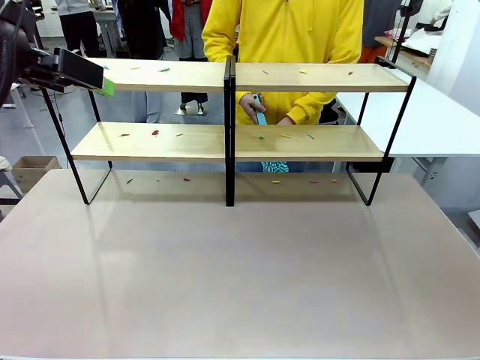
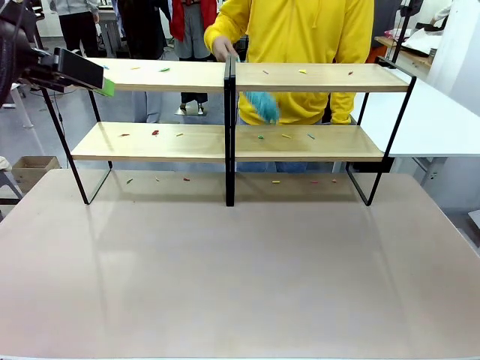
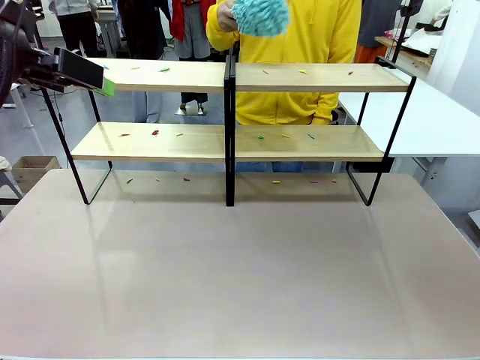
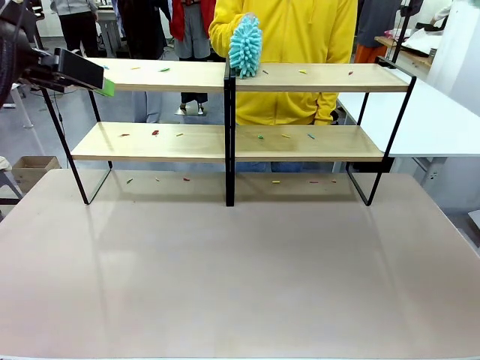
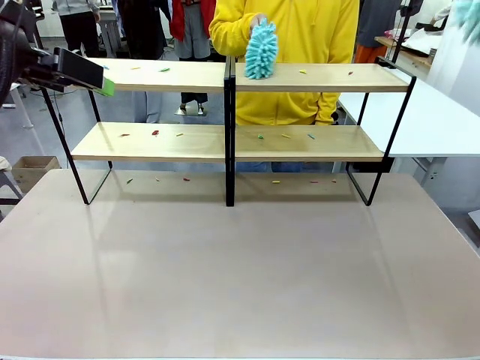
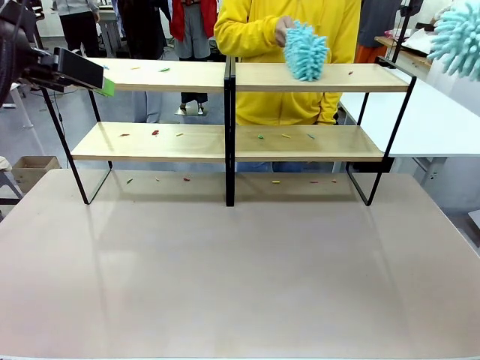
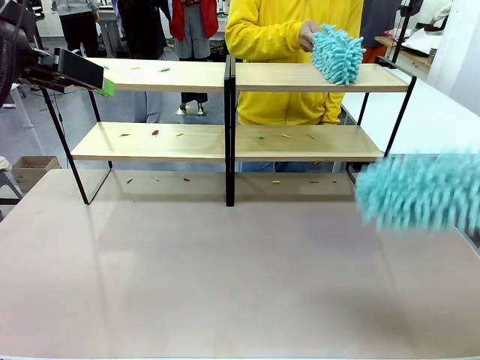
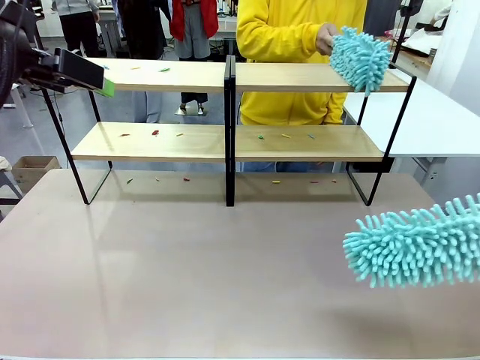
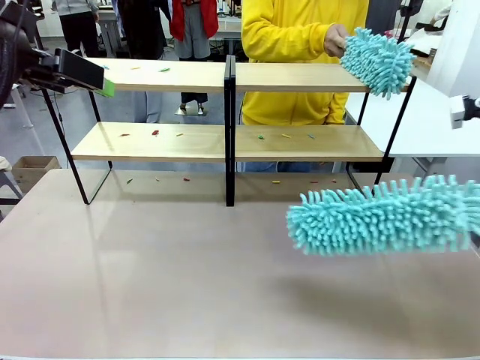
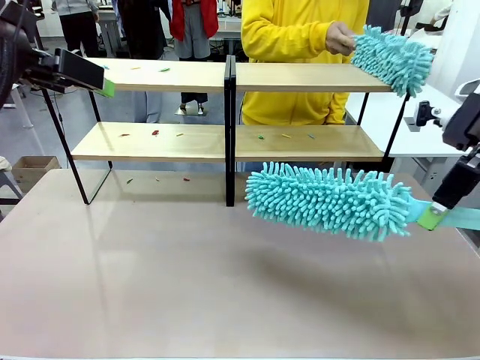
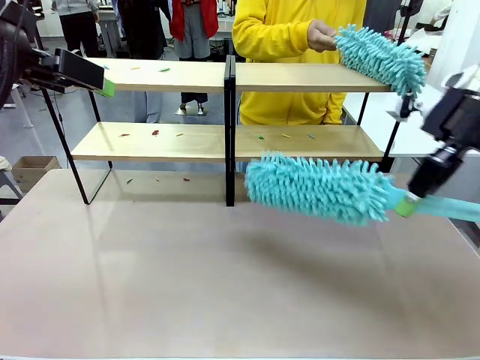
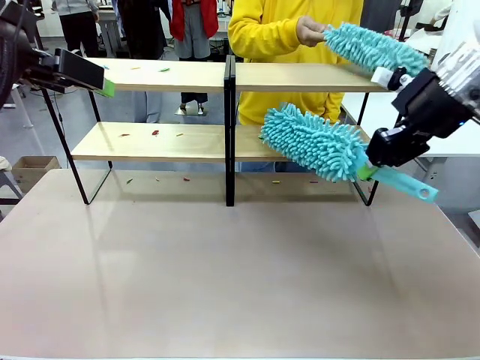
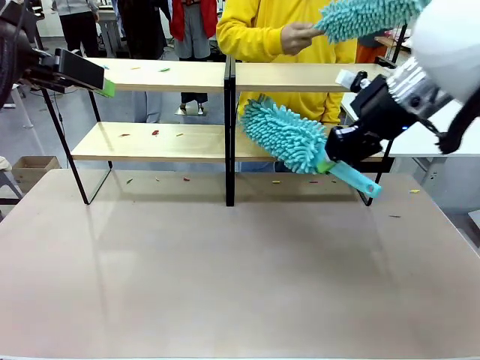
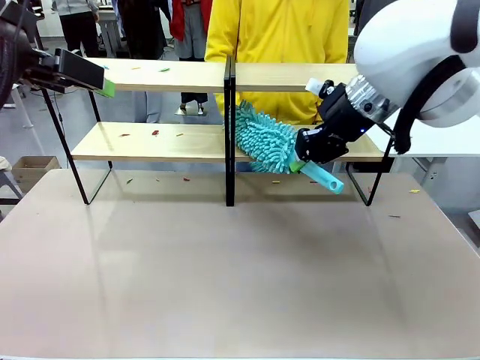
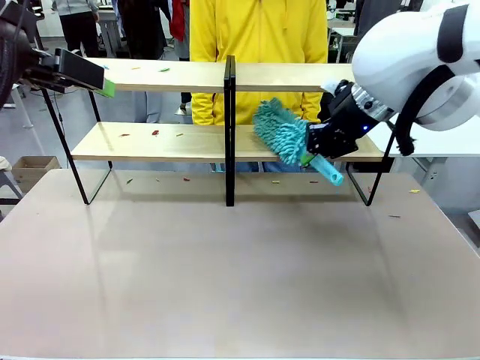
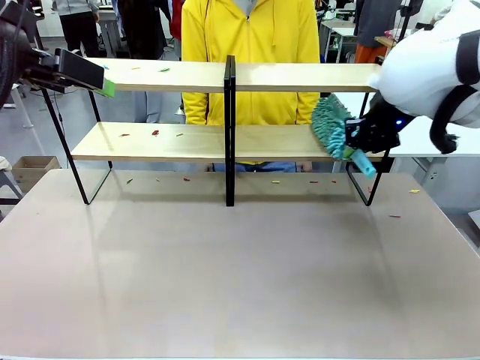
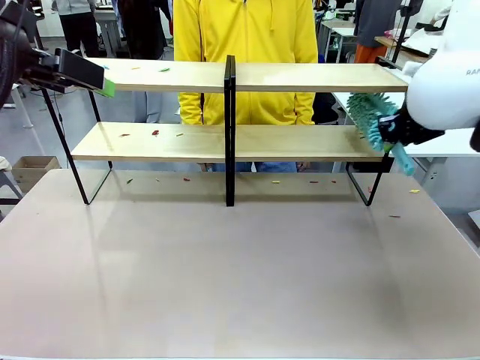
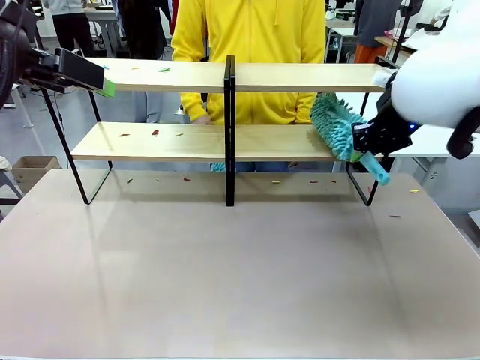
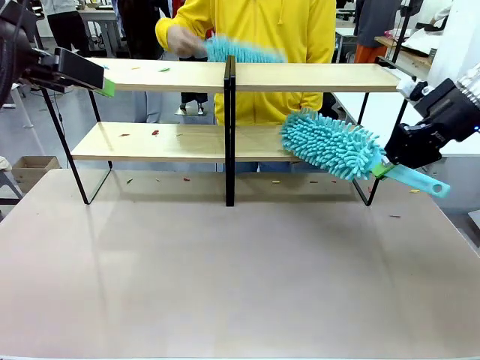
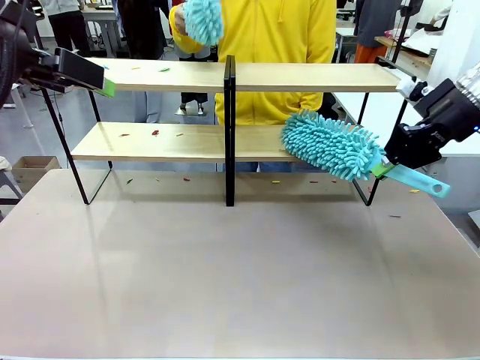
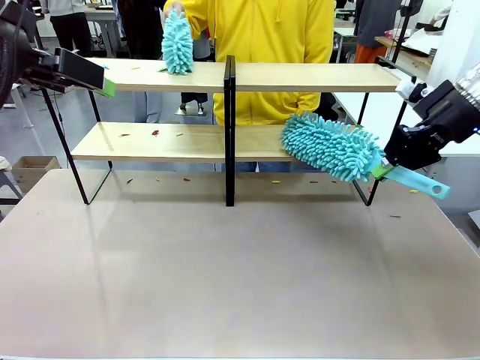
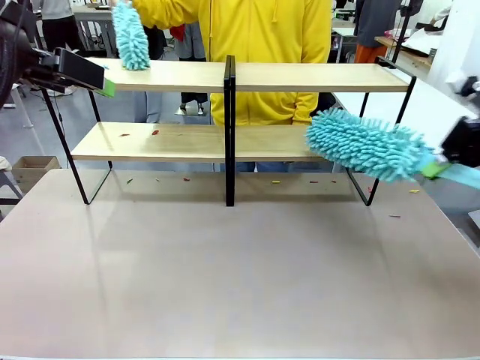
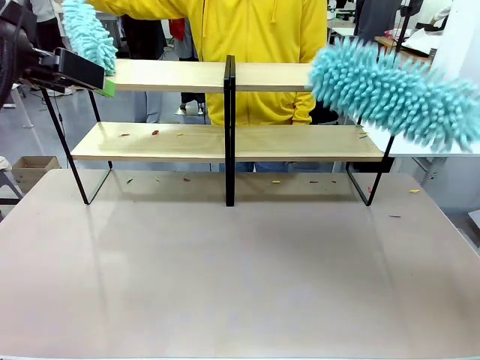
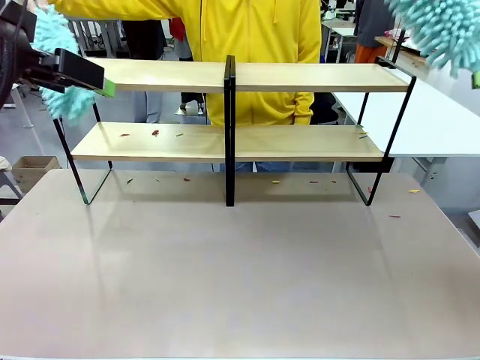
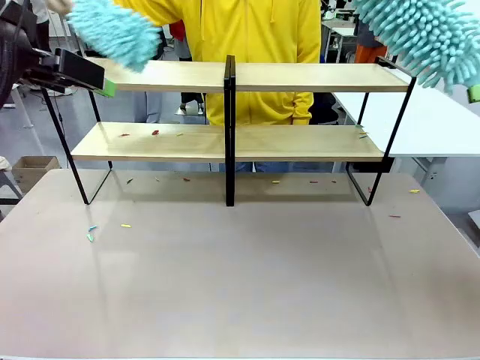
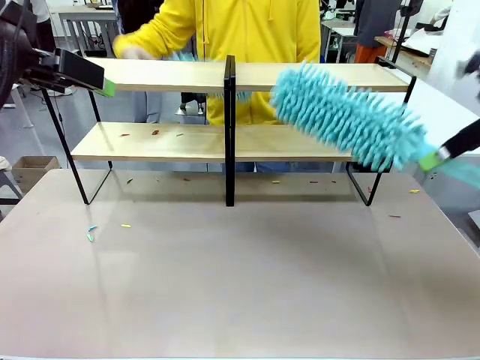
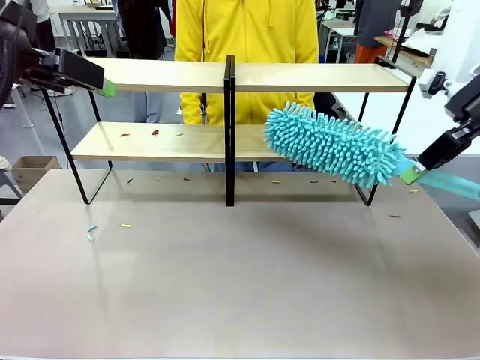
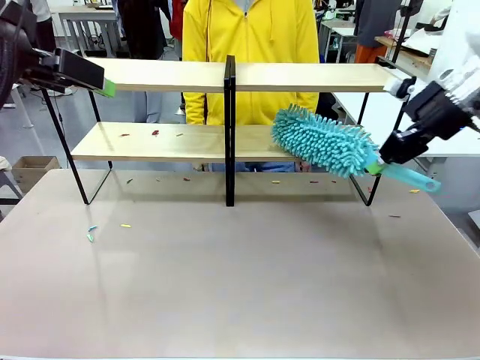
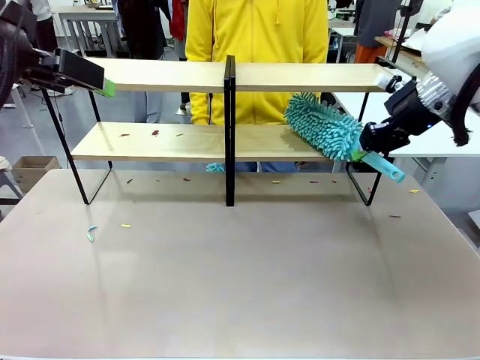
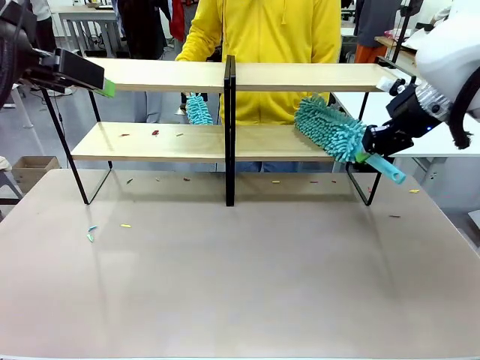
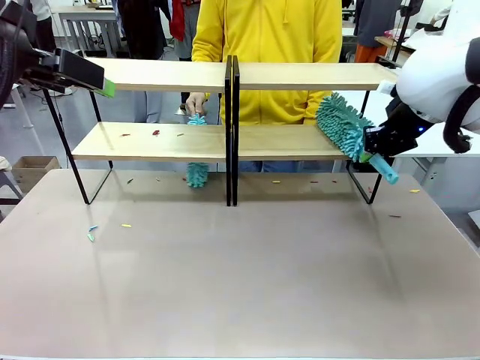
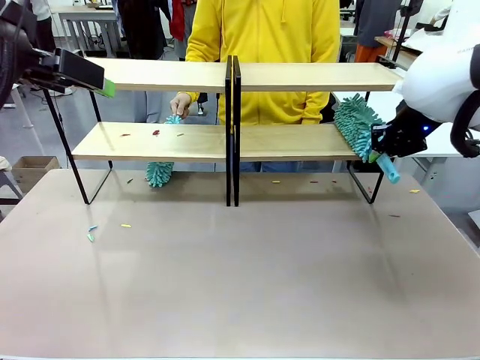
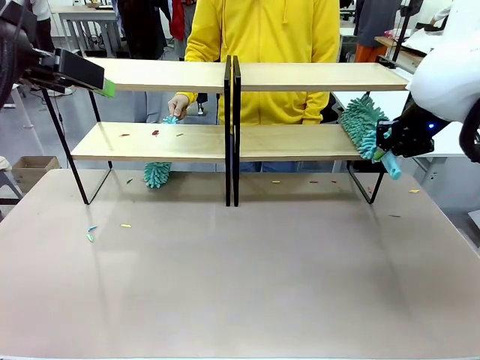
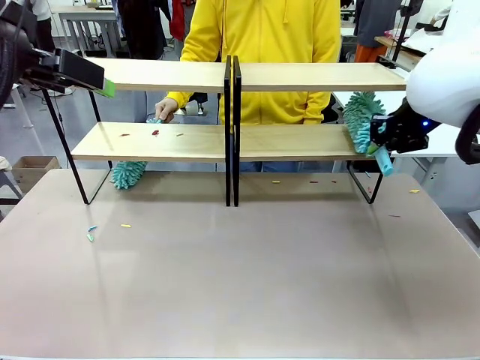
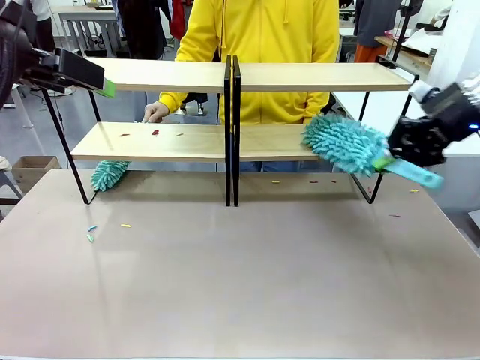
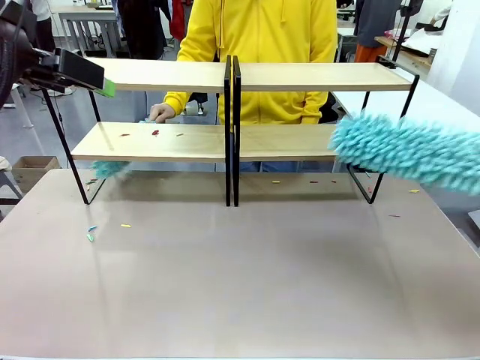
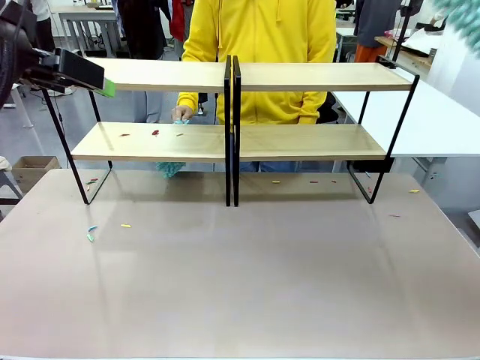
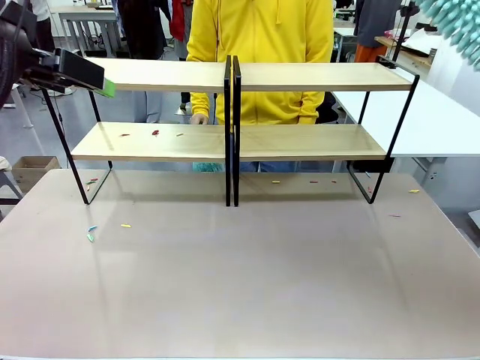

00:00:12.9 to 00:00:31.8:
Task: Clean the shelves.
Robot: Clean a randomly selected level of the Shelf with the Duster.
Person: Clean a randomly selected level of the Shelf with the Duster.

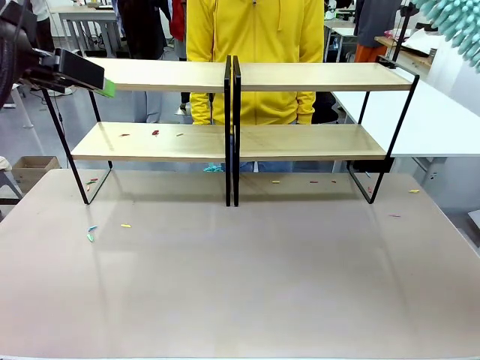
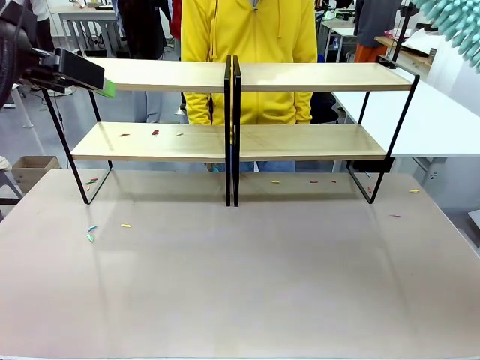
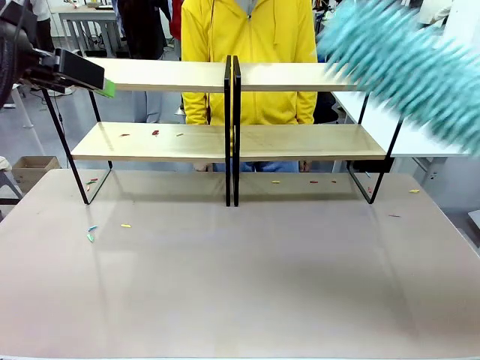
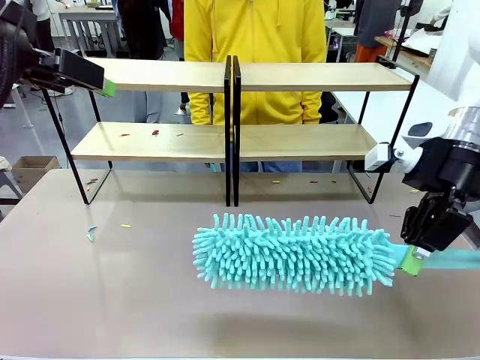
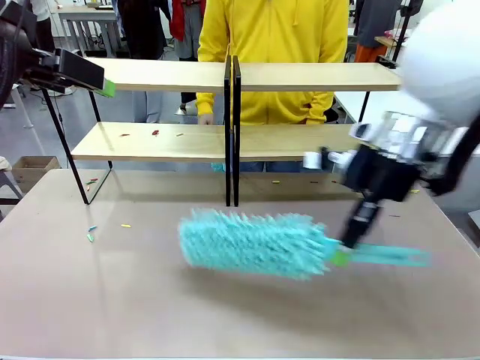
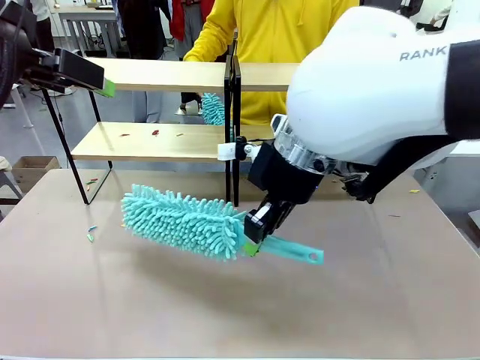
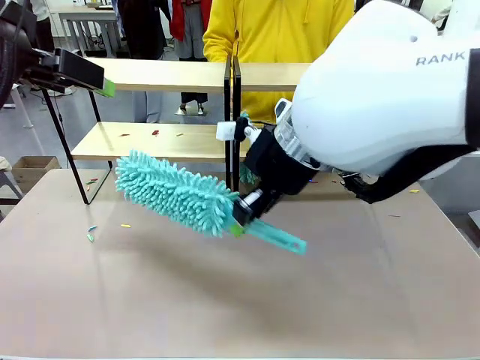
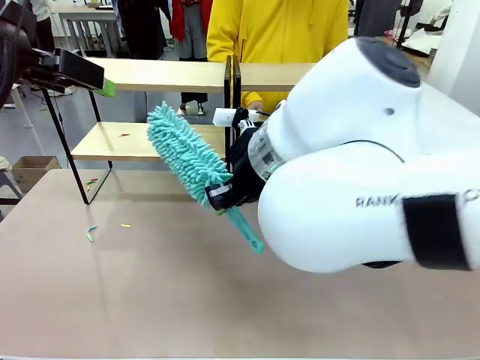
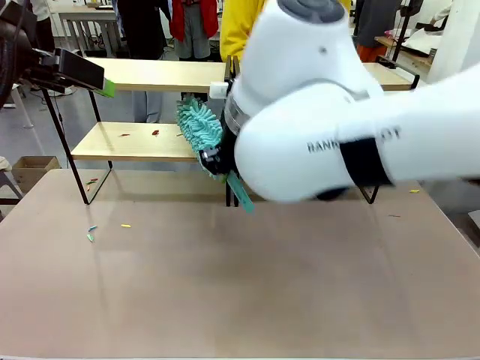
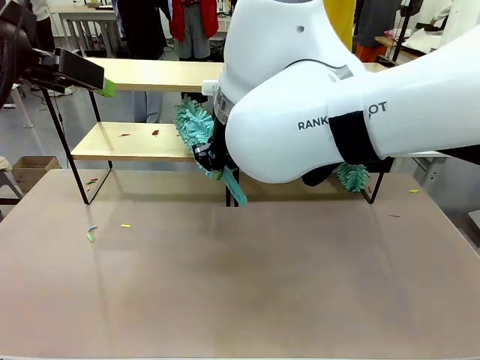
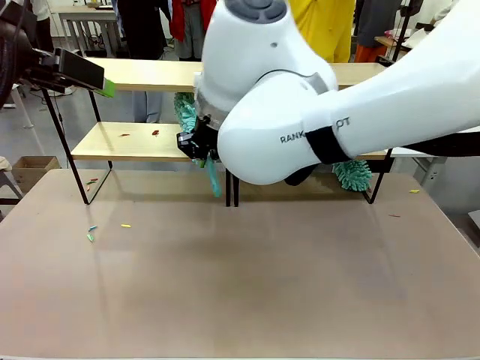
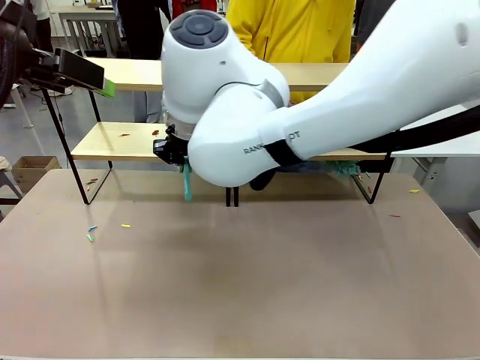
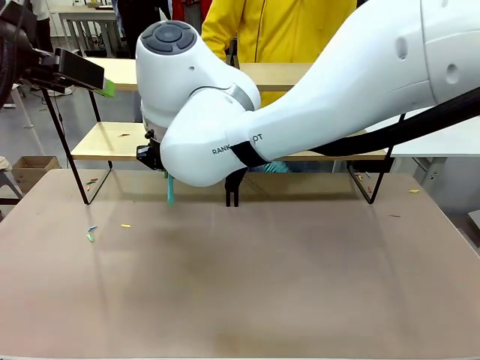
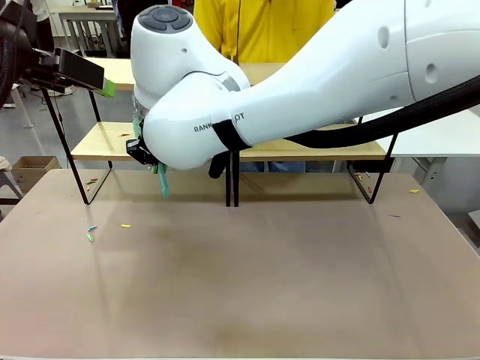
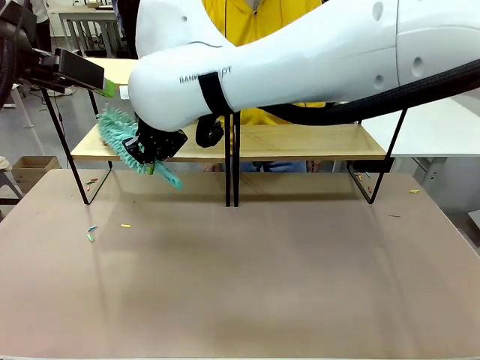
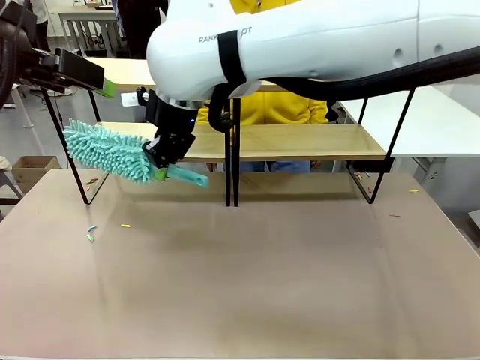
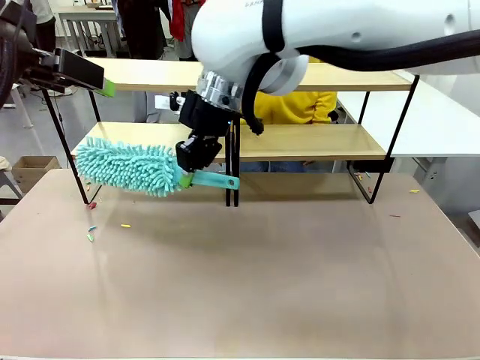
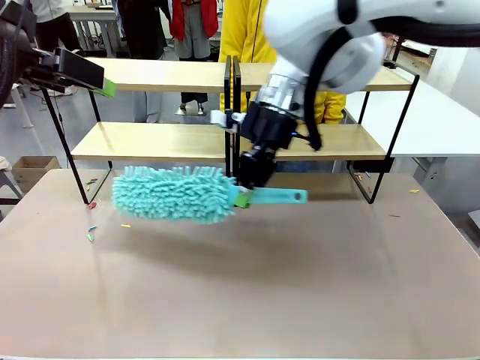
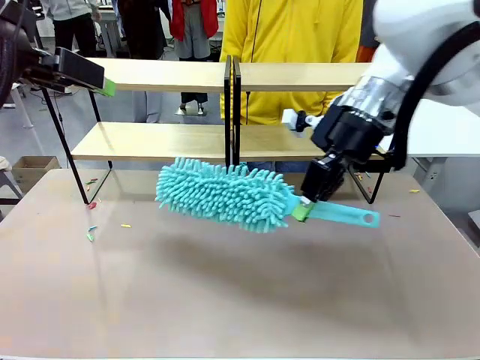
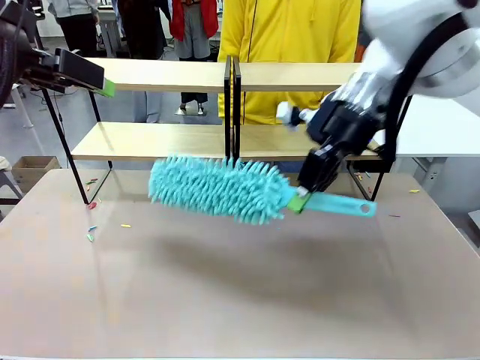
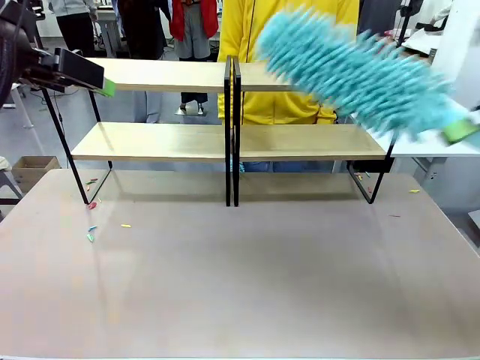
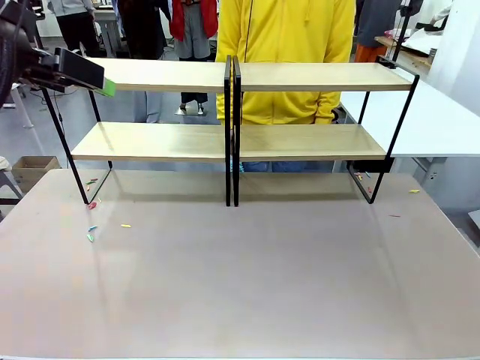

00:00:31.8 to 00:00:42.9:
Robot: Clean another randomly selected level of the Shelf with the Duster.
